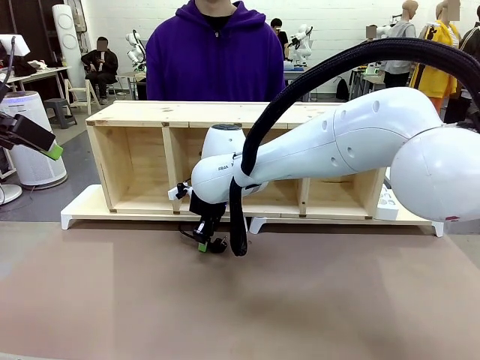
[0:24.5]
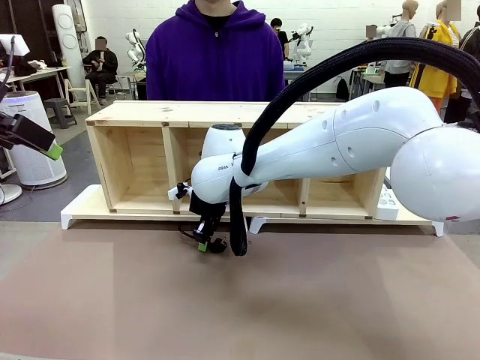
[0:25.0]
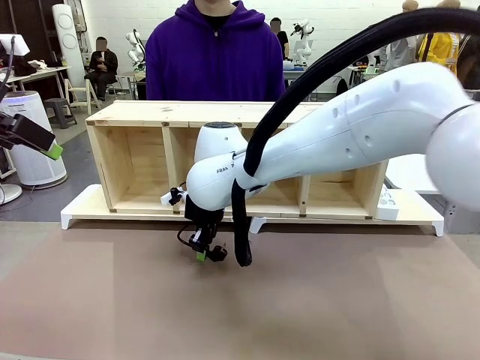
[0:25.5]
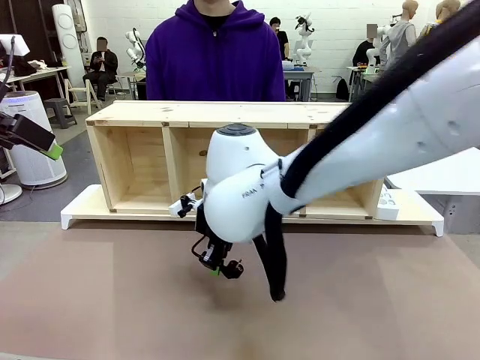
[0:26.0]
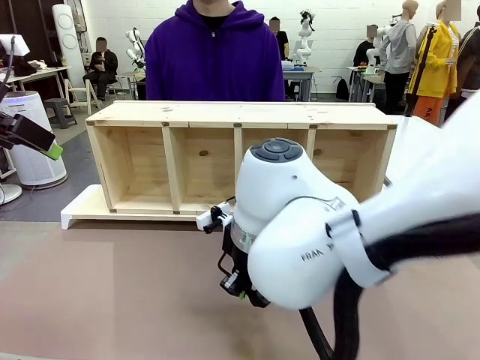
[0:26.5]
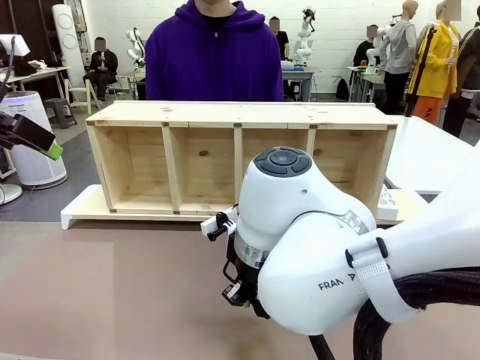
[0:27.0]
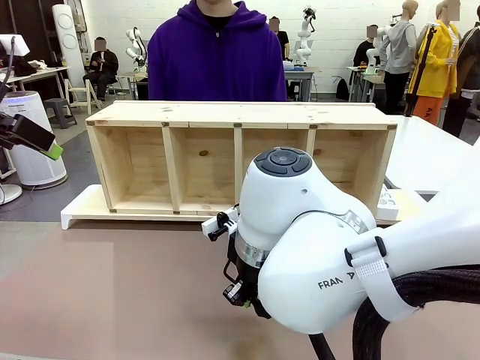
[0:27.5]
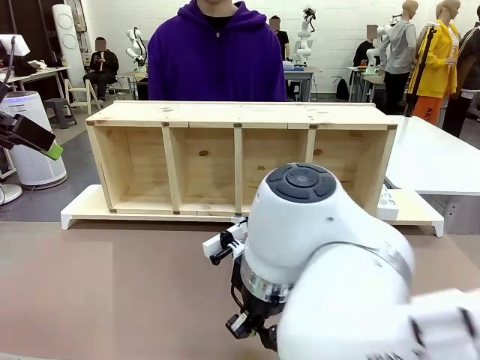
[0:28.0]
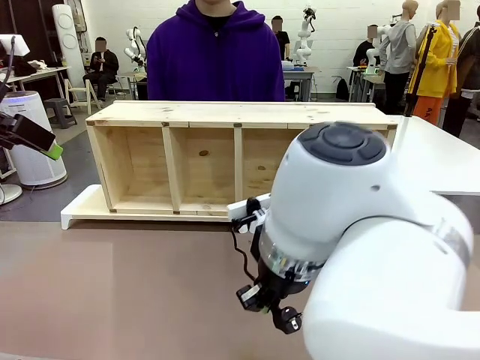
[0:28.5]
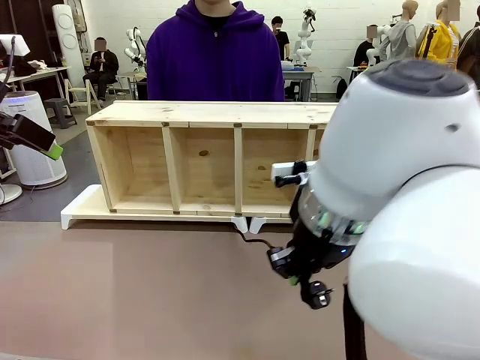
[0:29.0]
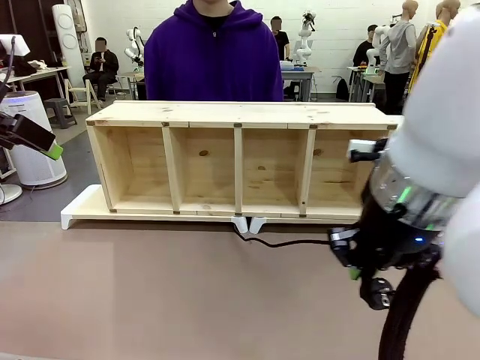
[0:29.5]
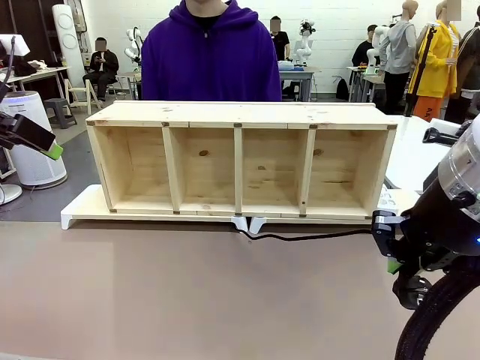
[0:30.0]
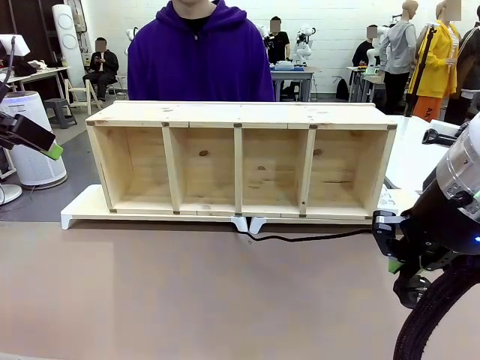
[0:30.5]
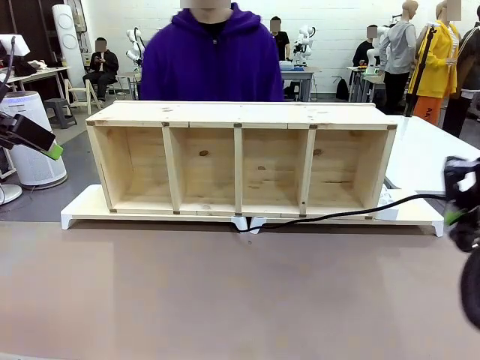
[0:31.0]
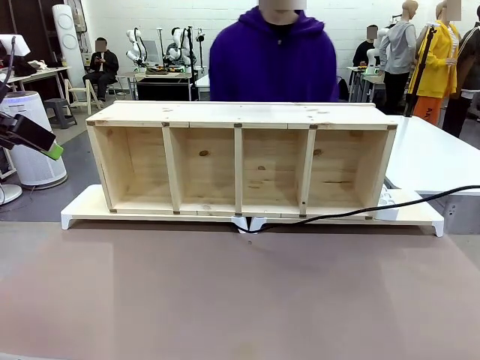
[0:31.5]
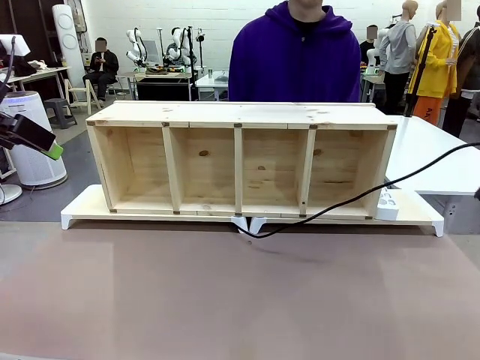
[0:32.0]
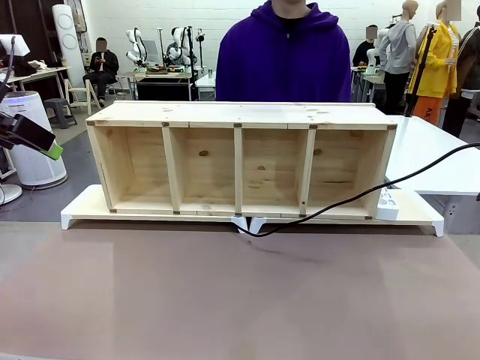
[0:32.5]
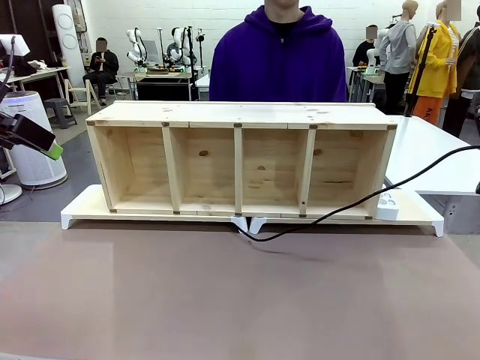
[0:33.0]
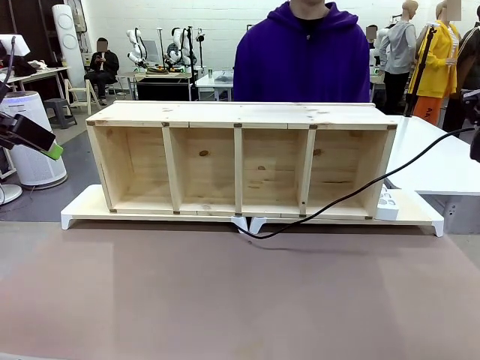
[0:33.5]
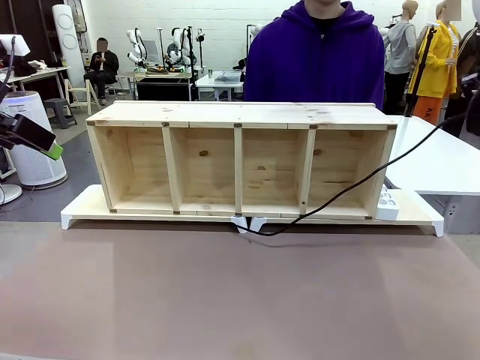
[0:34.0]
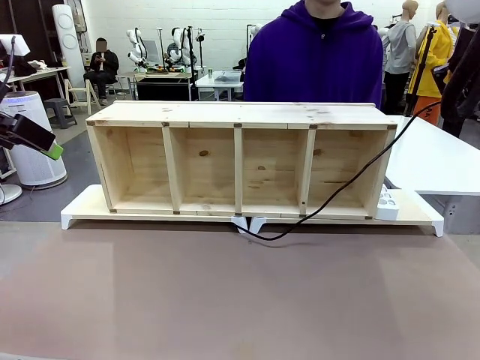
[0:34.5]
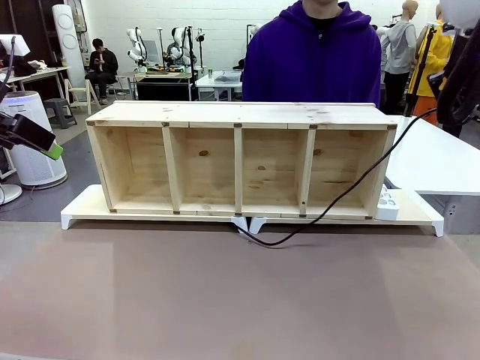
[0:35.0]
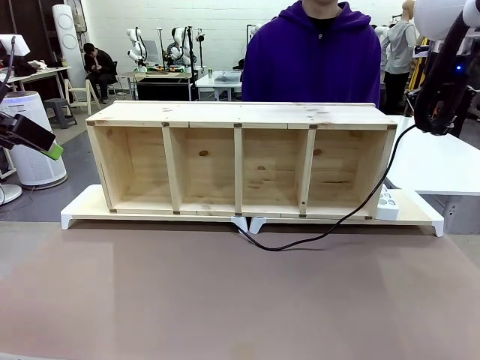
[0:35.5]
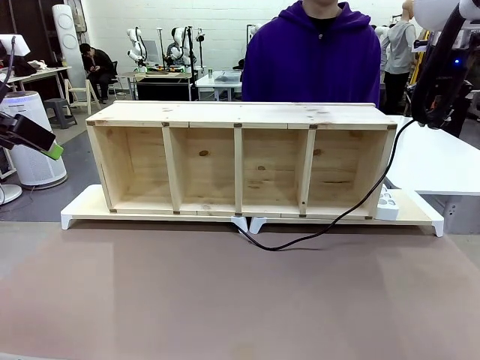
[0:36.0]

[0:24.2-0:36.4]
Task: Perform cable management.
Robot: Pull the grasped Power Cable to the location of the Power Strip.

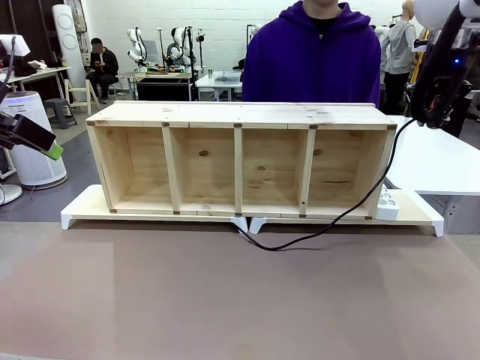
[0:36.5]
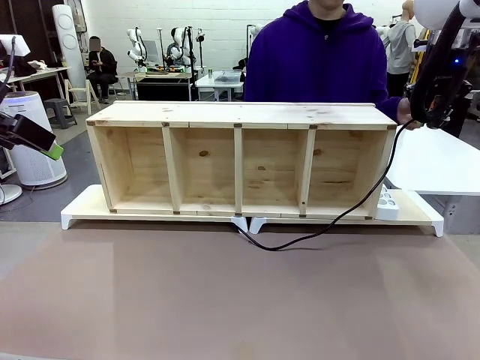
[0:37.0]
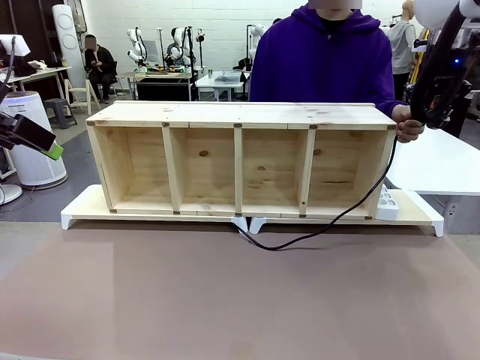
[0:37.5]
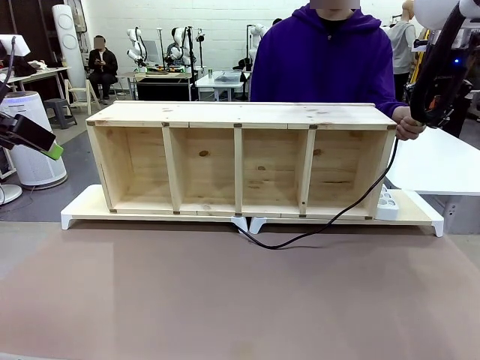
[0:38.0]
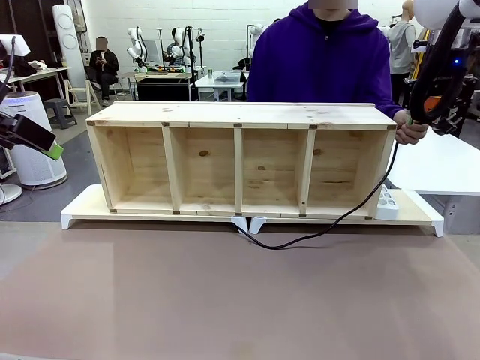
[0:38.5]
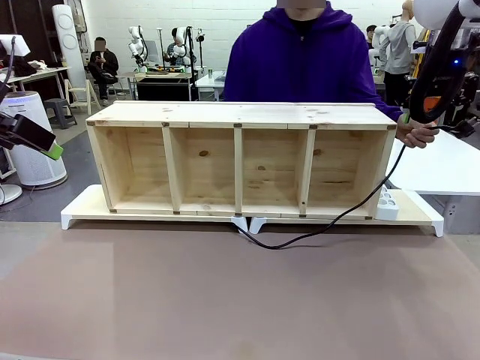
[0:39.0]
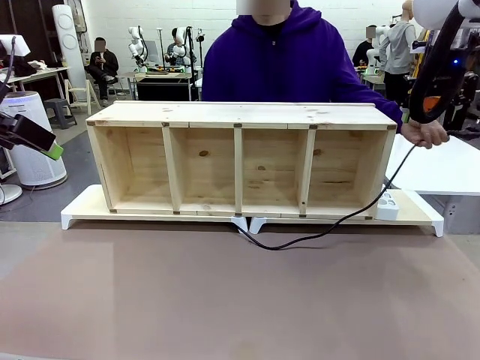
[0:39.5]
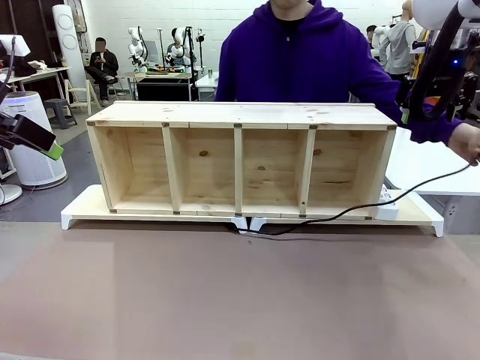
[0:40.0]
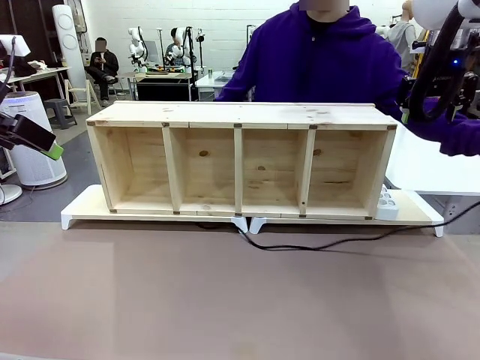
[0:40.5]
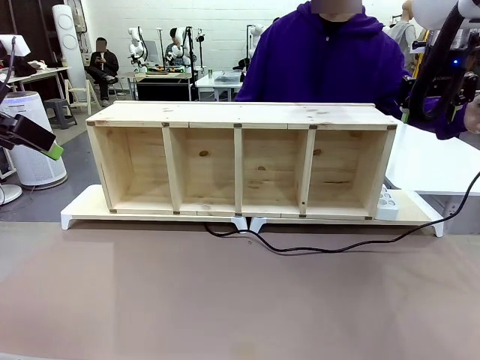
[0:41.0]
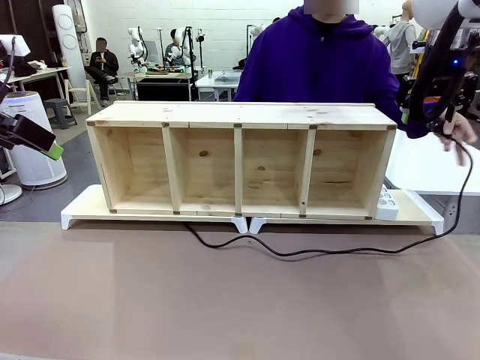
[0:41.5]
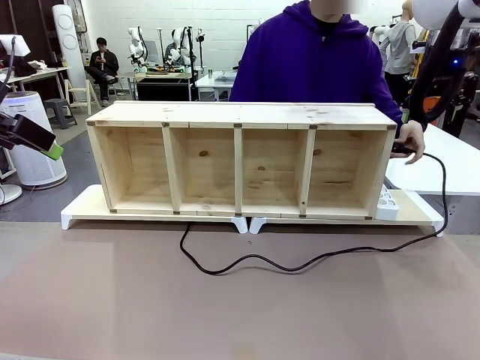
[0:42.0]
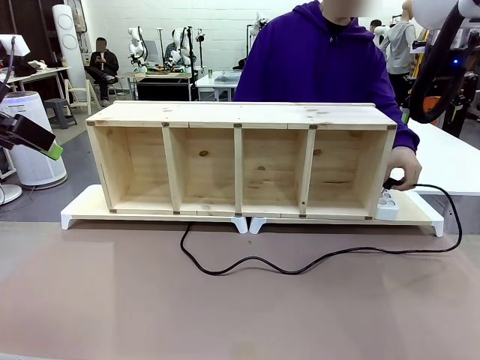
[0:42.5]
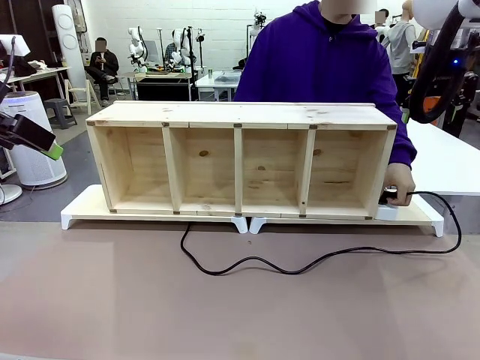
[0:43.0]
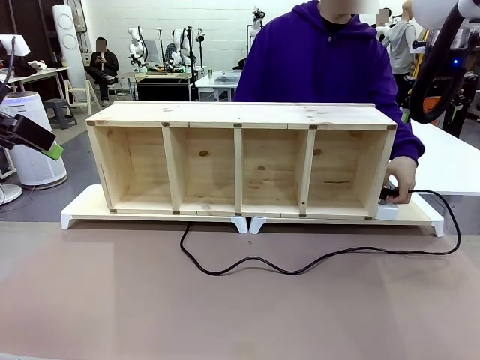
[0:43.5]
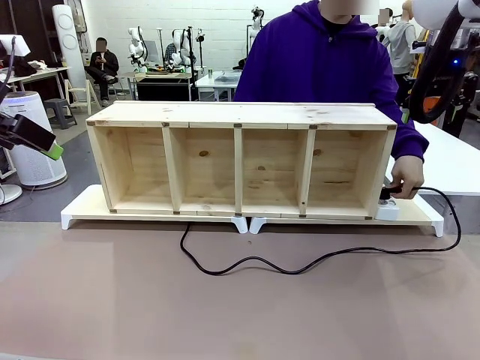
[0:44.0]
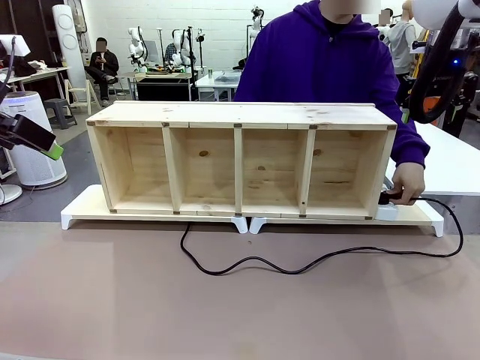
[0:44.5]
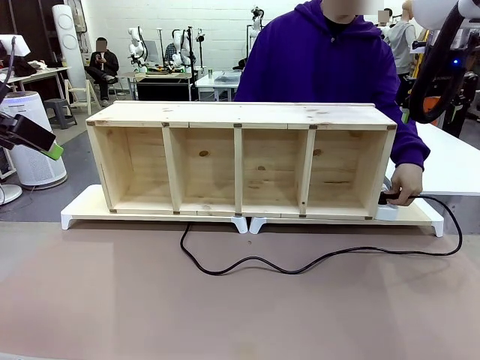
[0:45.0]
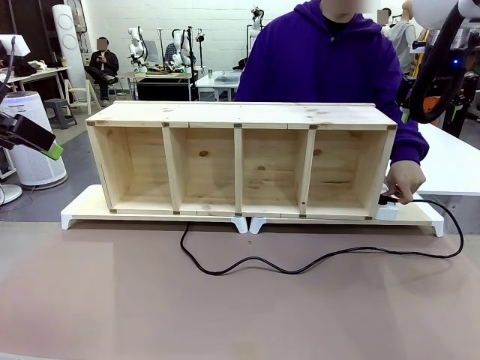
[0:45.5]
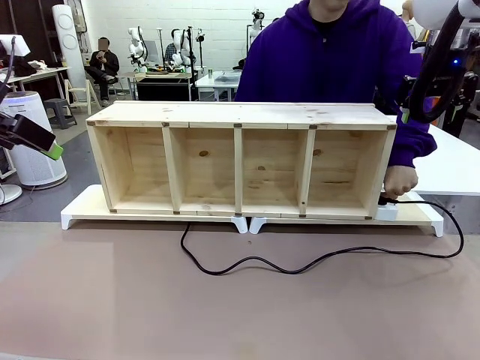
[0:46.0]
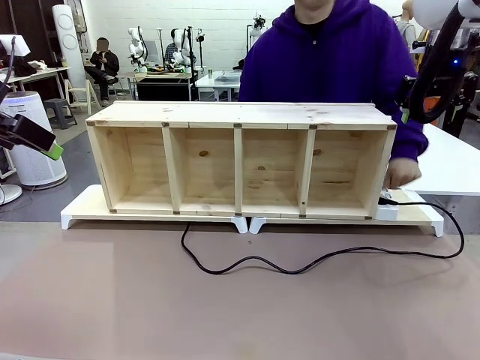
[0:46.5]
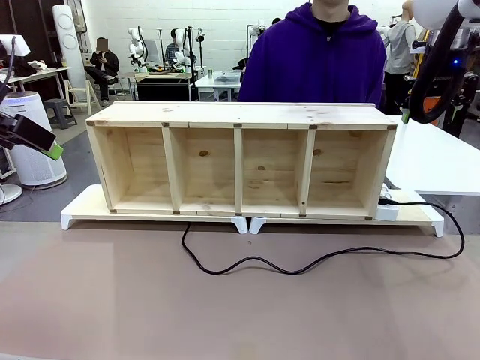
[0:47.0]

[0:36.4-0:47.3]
Robot: Release the Power Cable when the human grasps it.
Person: Plug the Power Cable into the Power Strip.
